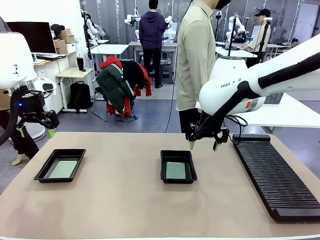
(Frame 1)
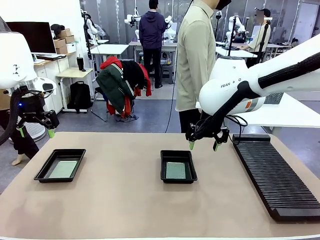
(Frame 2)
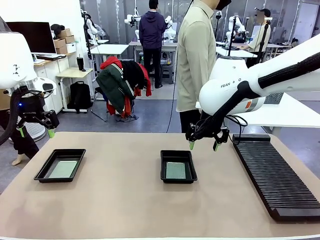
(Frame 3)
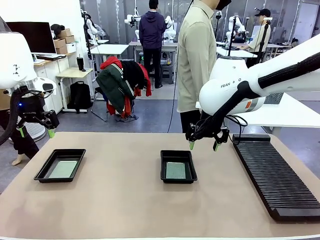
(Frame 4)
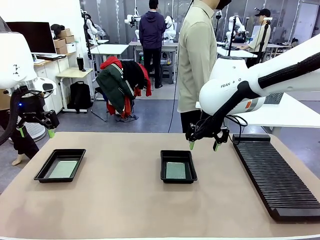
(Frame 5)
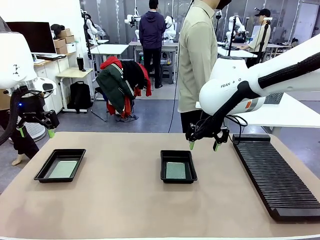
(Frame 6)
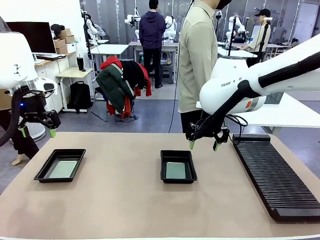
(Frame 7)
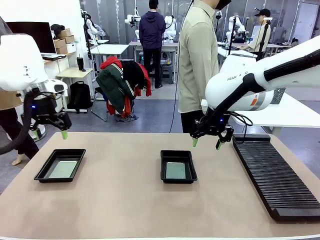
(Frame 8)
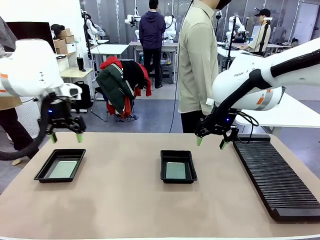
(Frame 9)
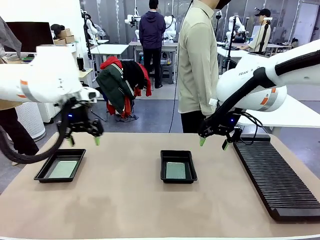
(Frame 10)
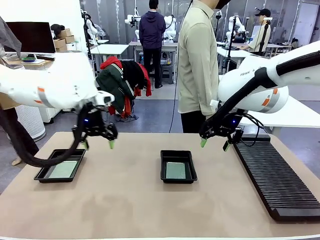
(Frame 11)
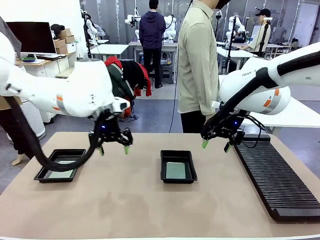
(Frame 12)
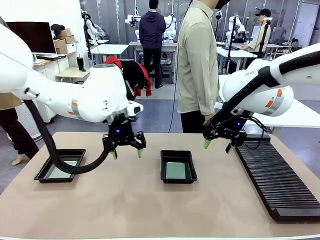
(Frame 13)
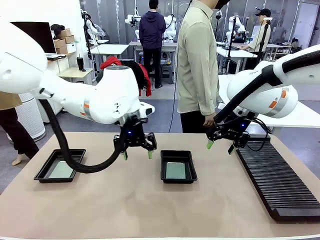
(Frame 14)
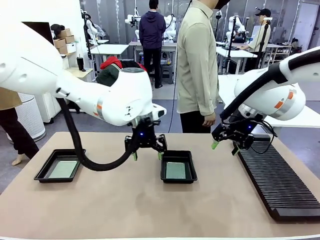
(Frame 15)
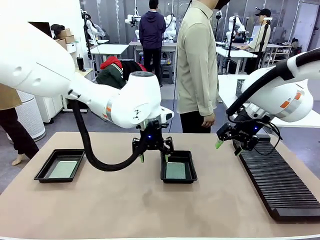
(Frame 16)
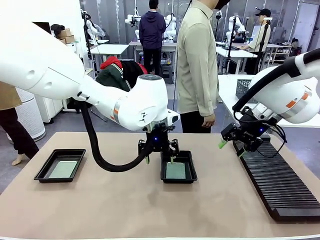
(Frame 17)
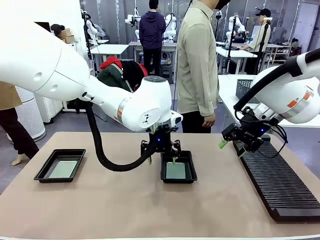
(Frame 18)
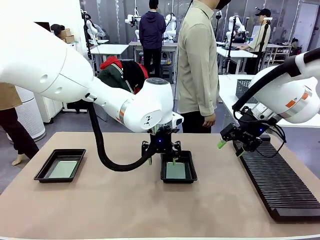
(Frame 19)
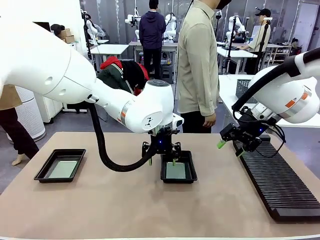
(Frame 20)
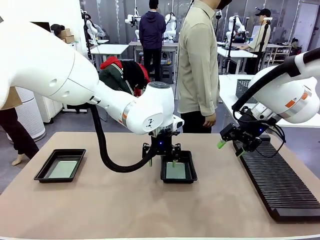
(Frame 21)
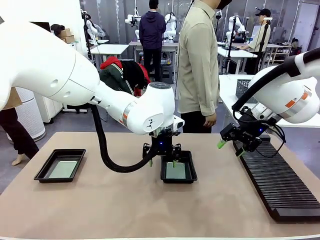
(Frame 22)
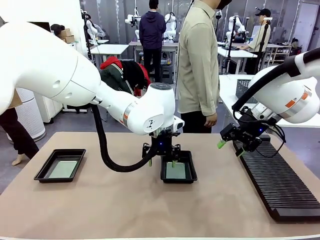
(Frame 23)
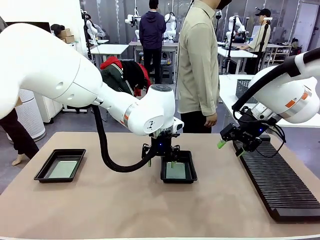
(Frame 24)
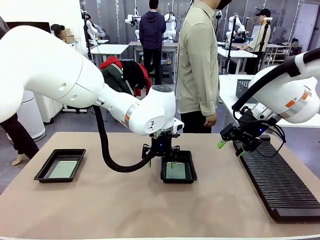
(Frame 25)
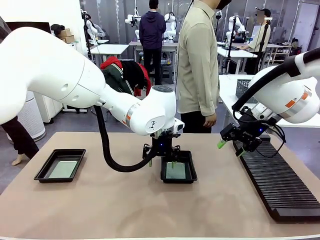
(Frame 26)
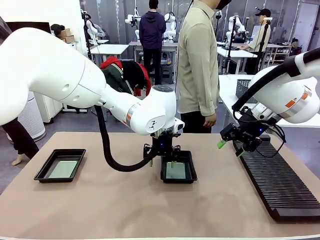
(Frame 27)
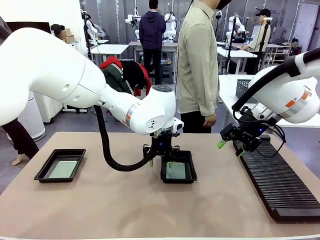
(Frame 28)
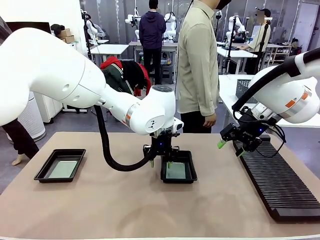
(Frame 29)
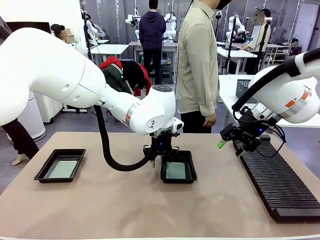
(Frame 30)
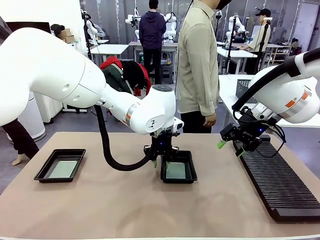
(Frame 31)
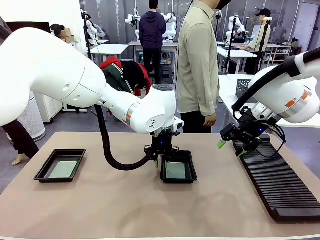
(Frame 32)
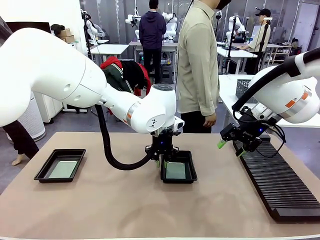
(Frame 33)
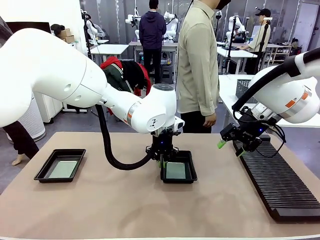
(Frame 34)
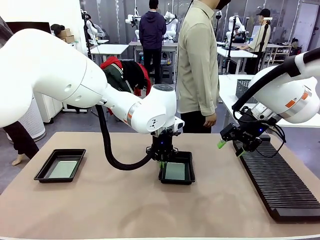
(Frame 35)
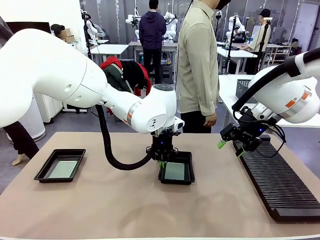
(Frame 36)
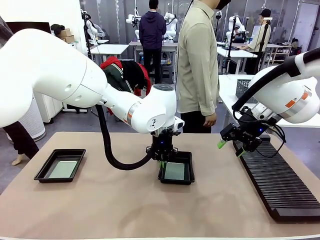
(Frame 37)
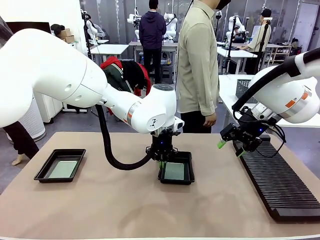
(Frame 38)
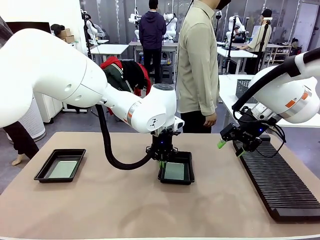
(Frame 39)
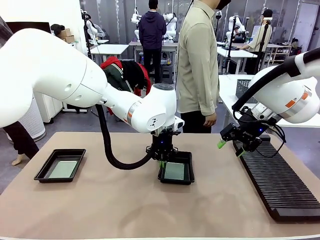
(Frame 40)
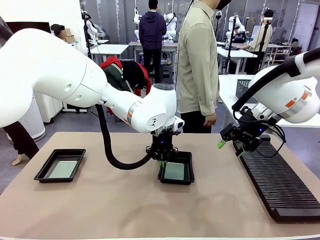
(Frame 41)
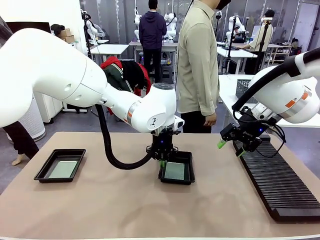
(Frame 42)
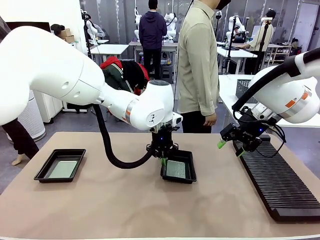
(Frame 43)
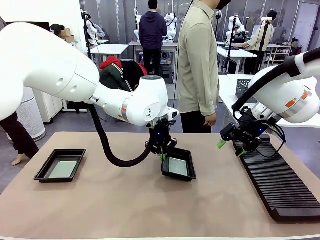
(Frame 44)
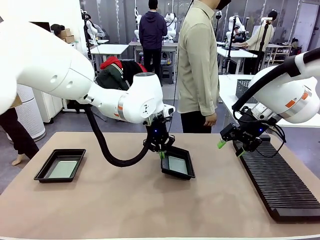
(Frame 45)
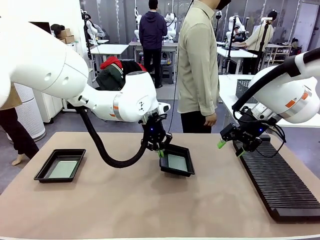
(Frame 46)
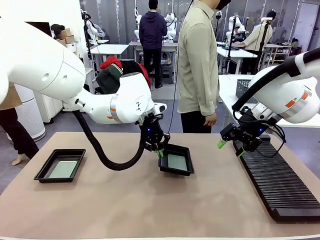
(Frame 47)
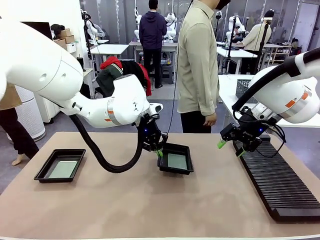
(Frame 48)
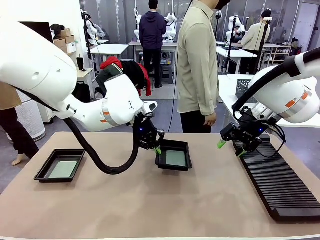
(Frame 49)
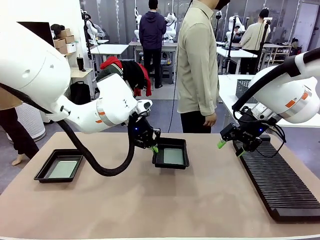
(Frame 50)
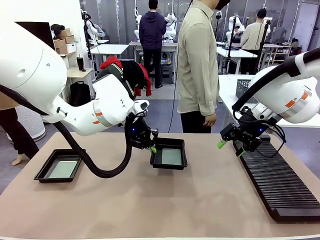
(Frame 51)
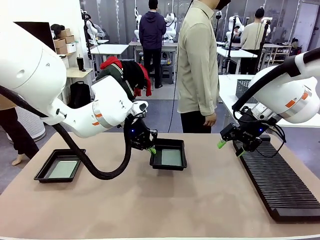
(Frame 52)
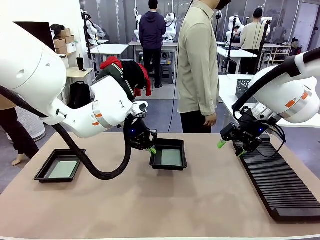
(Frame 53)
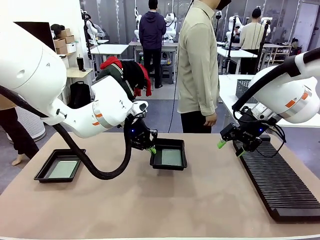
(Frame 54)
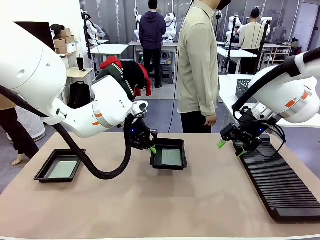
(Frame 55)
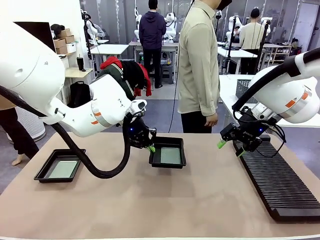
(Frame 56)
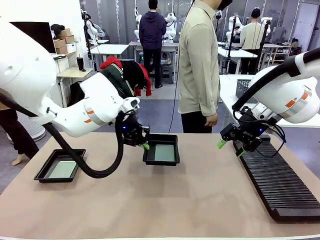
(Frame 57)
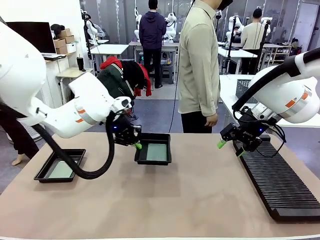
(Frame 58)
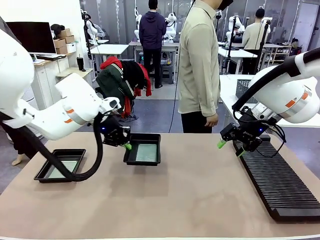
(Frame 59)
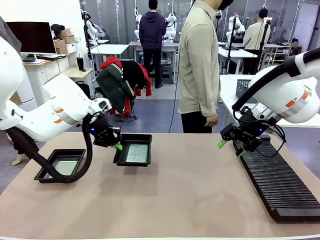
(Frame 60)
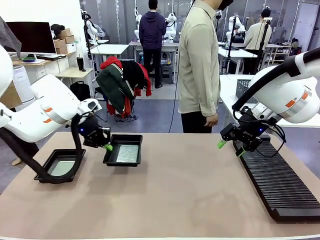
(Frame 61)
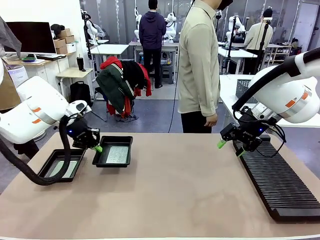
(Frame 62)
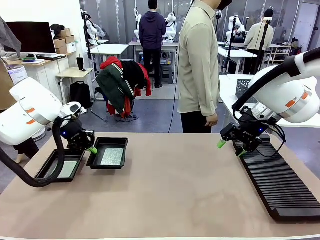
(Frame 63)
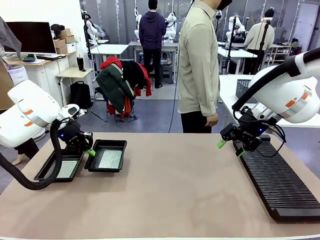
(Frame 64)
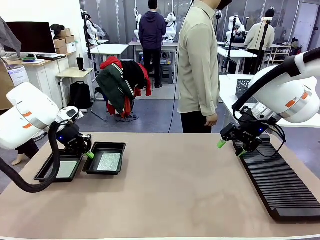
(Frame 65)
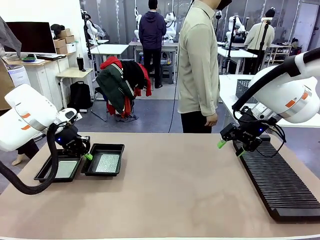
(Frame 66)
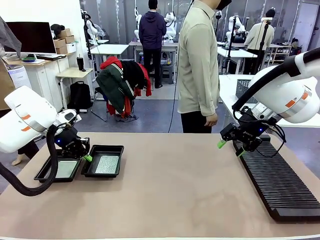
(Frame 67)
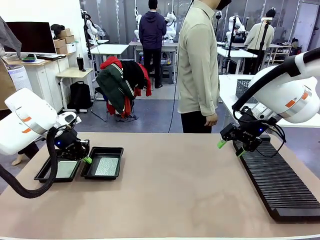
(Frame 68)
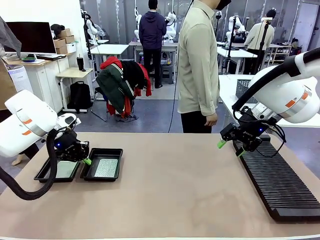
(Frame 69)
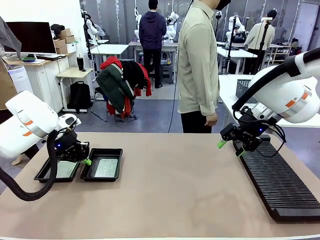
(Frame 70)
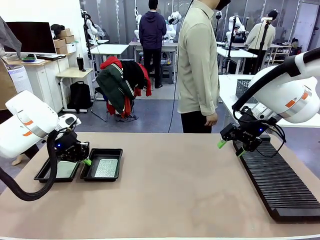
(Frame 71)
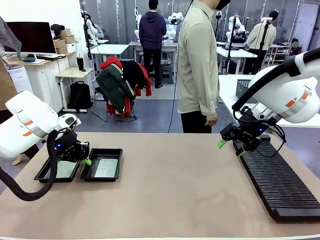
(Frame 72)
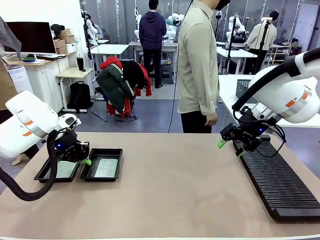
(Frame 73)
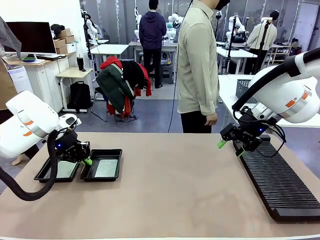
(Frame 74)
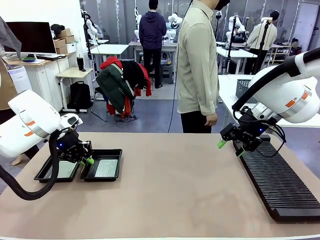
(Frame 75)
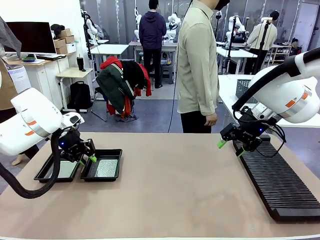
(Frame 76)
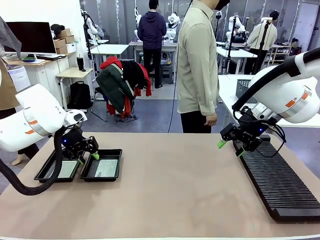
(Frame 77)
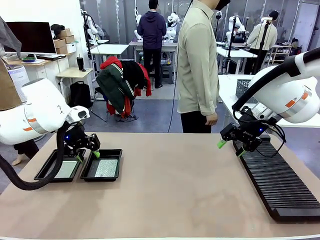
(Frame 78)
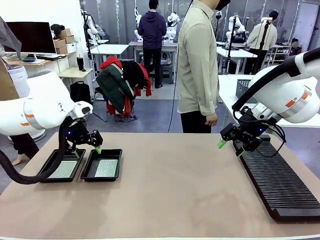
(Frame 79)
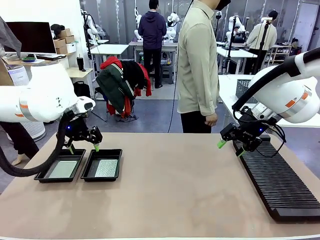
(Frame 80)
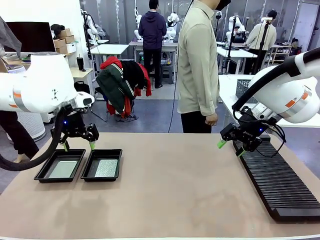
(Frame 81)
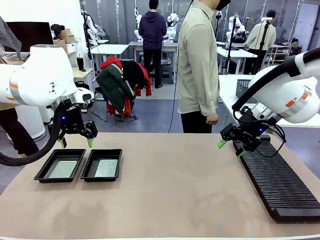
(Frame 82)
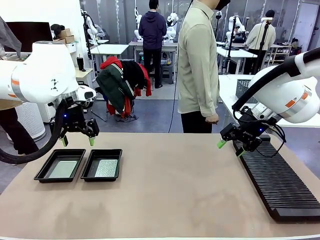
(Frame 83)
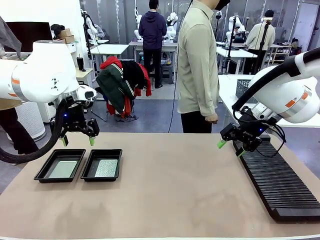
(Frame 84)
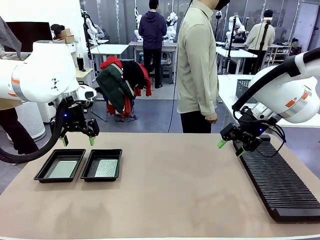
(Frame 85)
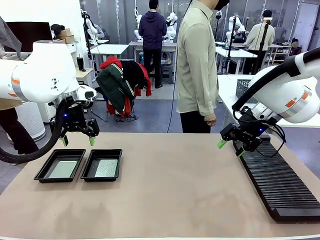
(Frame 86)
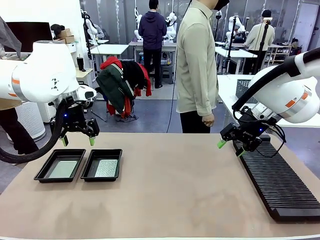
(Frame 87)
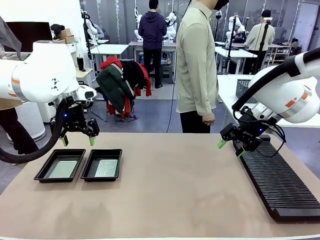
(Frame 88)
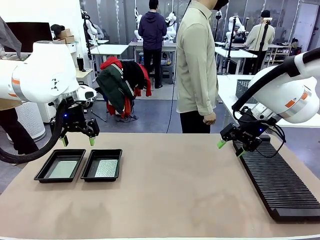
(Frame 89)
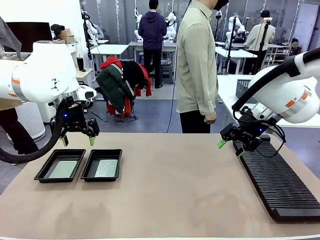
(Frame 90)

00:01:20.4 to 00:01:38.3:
Task: Inspect and transfer BCBs to ESD trays.
Robot: Pick up the ESD tray and place it on the left side of the table.

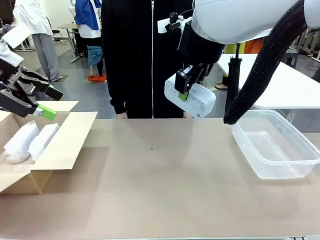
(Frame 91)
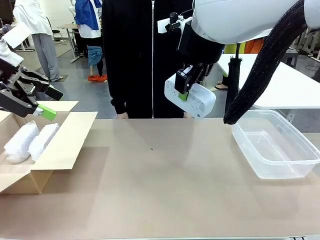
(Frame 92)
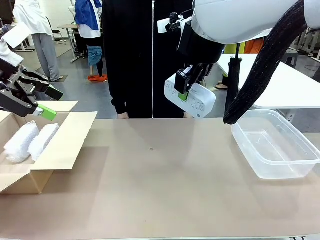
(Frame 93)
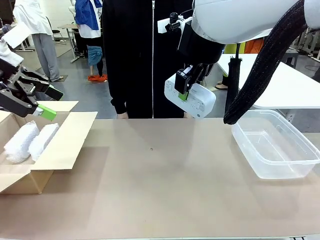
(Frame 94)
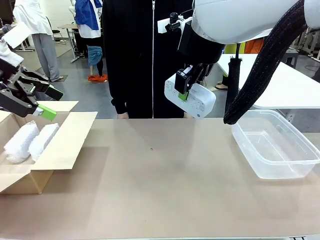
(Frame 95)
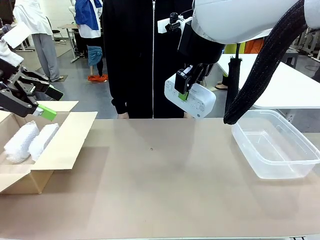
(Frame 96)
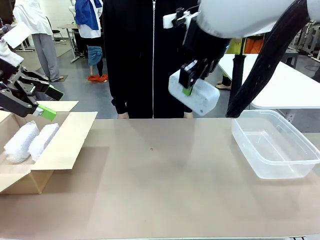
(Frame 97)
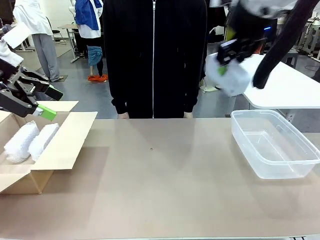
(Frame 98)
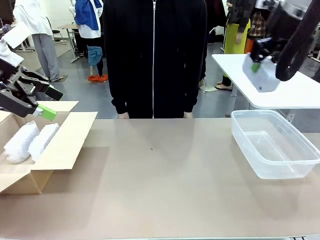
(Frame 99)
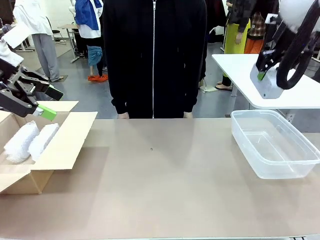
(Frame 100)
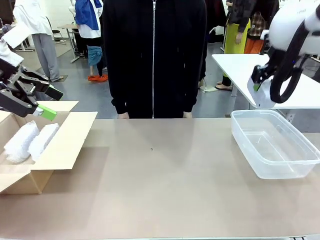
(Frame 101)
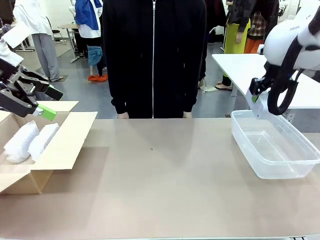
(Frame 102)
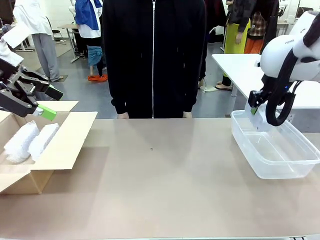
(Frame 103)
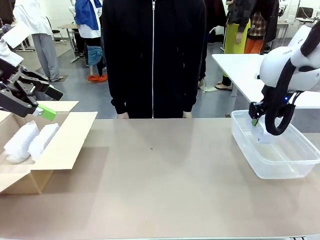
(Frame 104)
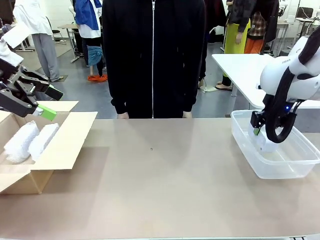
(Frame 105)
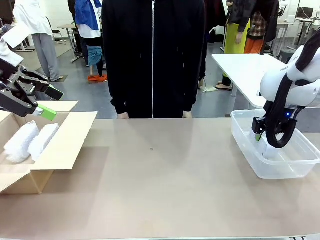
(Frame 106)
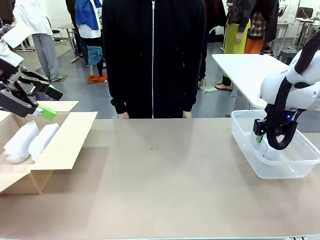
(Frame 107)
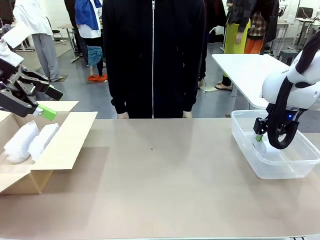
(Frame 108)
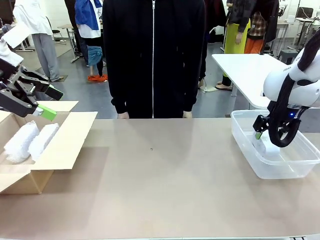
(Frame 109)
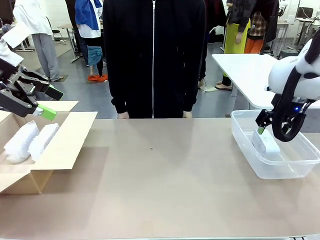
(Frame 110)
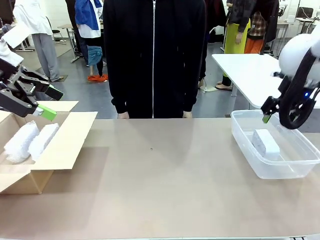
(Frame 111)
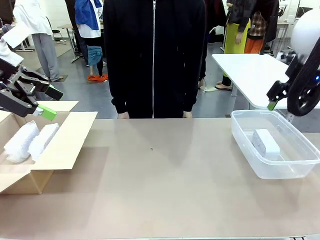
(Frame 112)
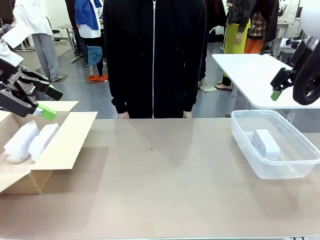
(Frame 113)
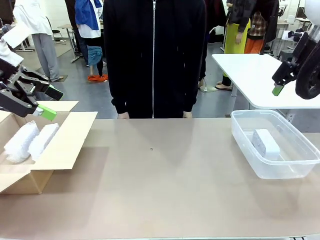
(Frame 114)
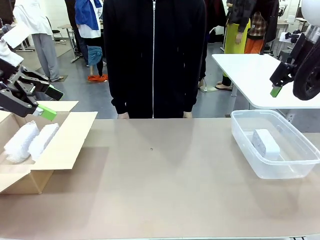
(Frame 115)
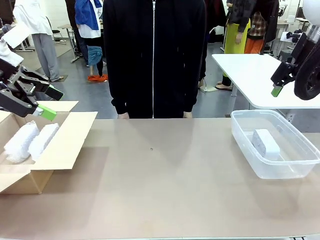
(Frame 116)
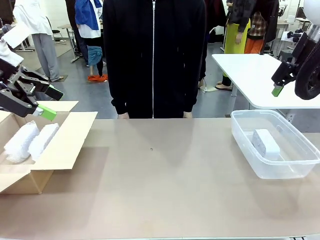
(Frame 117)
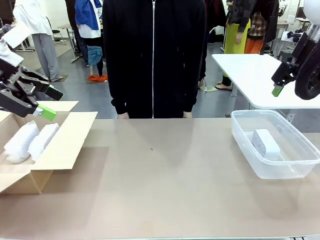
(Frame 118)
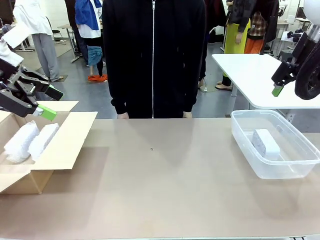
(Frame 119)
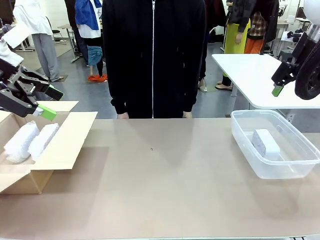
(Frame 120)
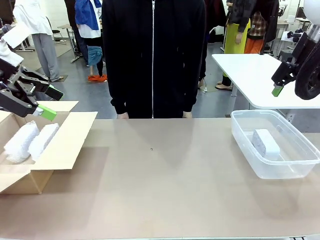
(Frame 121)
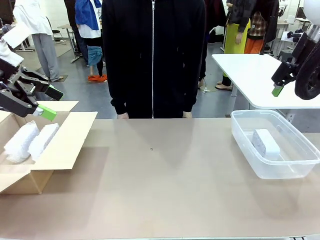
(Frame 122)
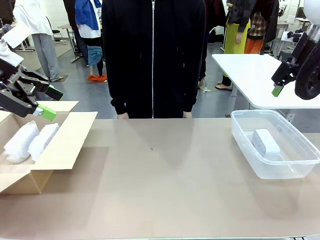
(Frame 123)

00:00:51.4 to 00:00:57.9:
Task: Separate and place wrapped and unwrapped clocks.
Robot: If the picked Digital clock is wrapped, place it in the Package Box ; if not, place it in the Organizing box.
